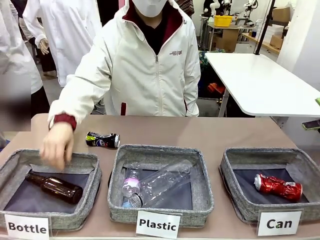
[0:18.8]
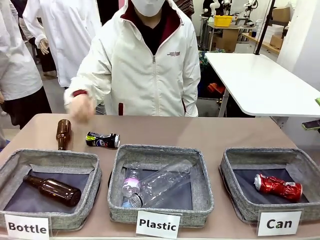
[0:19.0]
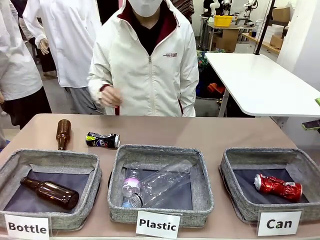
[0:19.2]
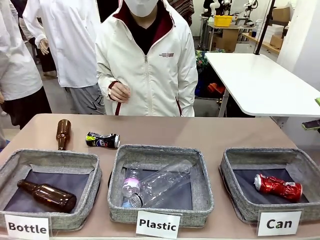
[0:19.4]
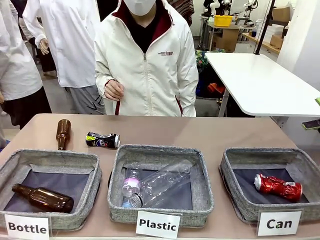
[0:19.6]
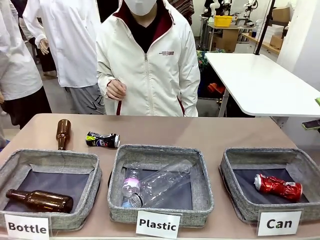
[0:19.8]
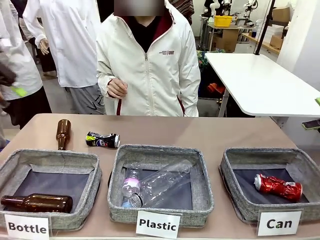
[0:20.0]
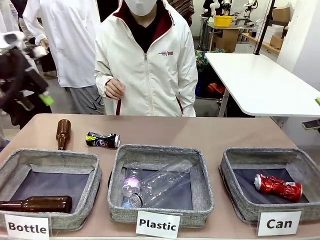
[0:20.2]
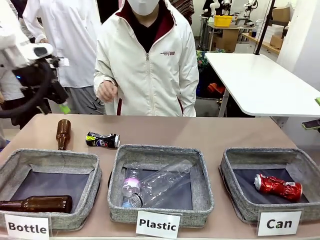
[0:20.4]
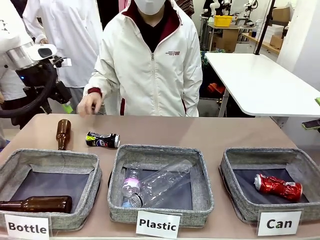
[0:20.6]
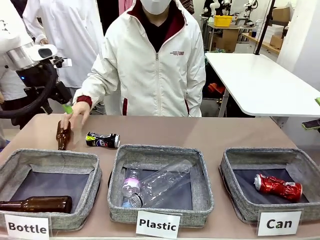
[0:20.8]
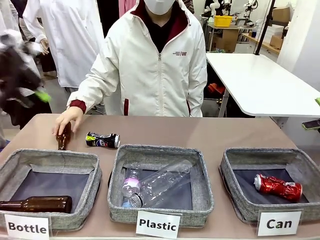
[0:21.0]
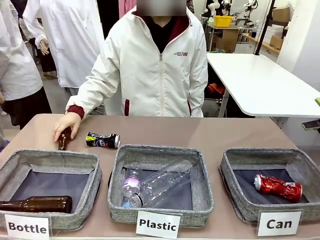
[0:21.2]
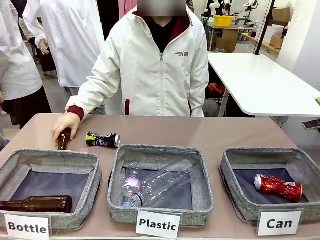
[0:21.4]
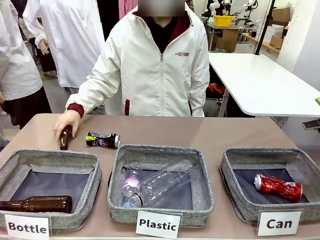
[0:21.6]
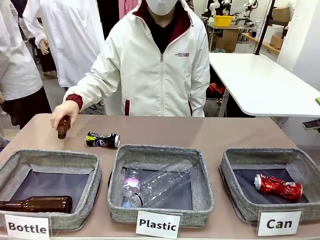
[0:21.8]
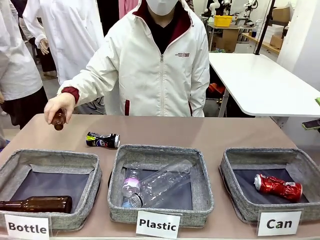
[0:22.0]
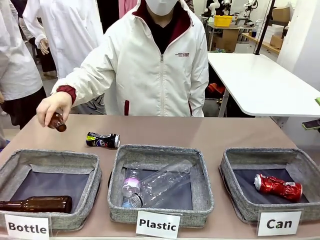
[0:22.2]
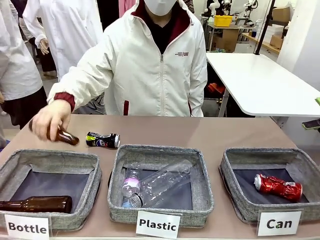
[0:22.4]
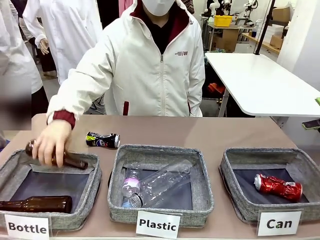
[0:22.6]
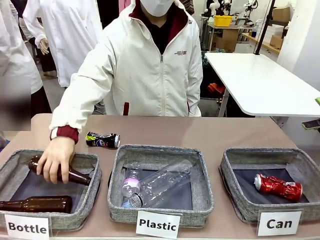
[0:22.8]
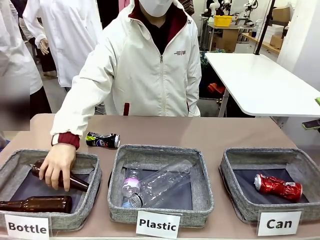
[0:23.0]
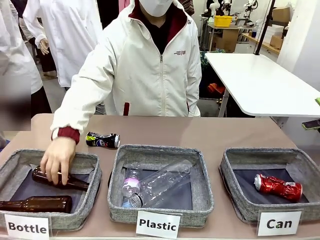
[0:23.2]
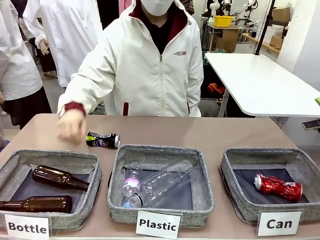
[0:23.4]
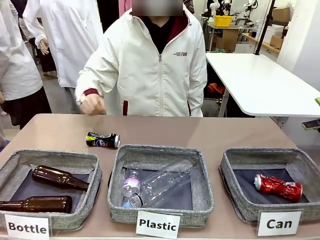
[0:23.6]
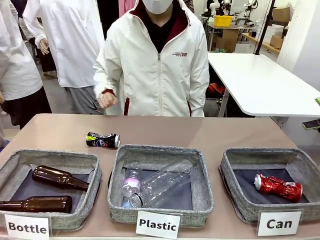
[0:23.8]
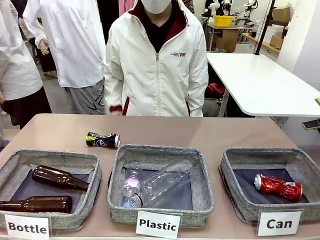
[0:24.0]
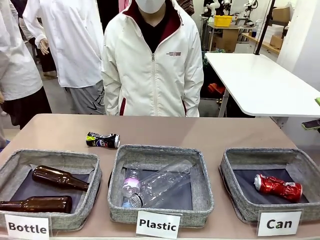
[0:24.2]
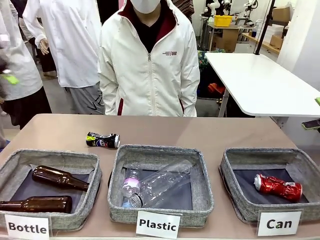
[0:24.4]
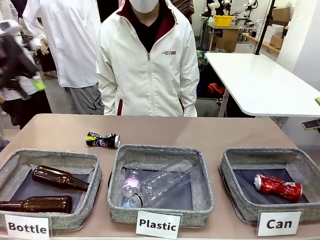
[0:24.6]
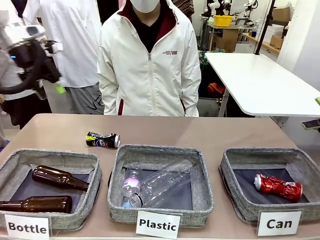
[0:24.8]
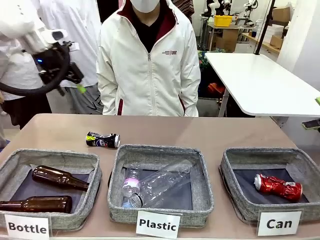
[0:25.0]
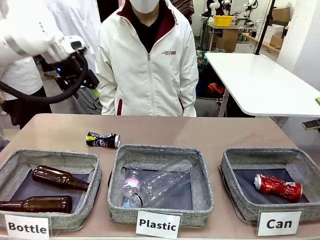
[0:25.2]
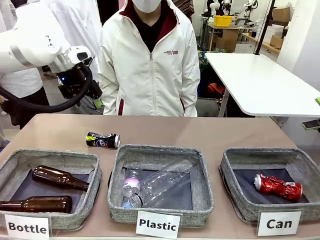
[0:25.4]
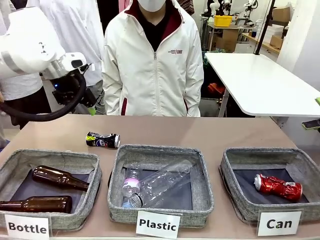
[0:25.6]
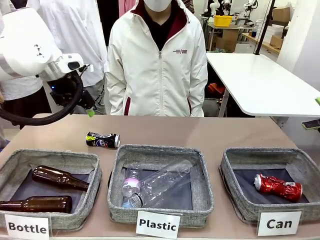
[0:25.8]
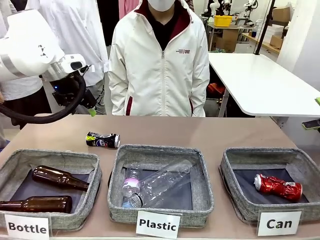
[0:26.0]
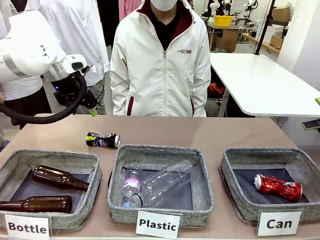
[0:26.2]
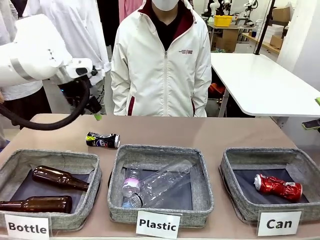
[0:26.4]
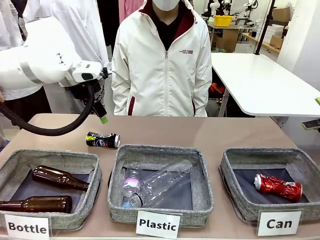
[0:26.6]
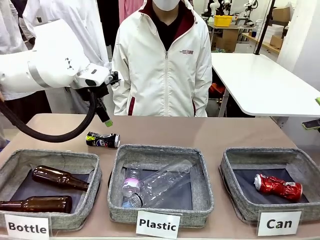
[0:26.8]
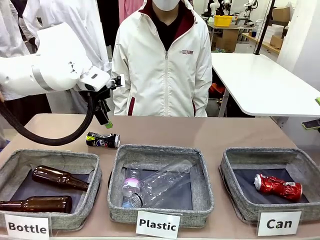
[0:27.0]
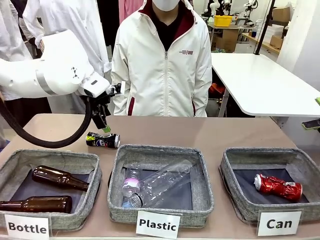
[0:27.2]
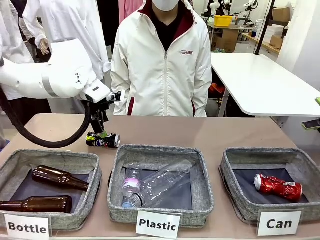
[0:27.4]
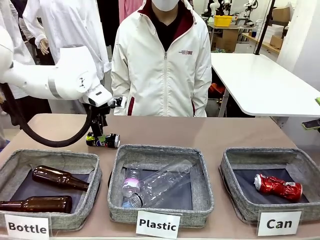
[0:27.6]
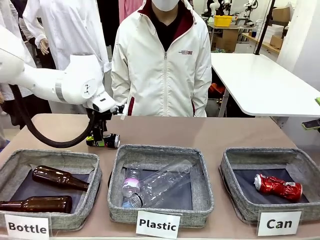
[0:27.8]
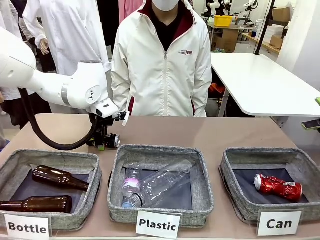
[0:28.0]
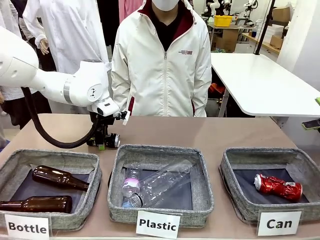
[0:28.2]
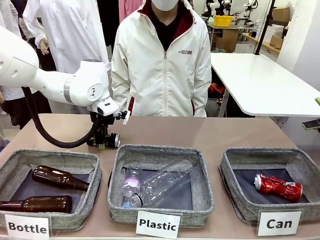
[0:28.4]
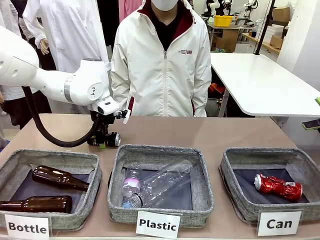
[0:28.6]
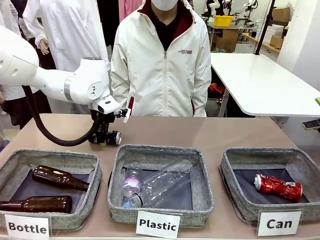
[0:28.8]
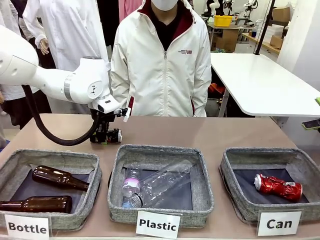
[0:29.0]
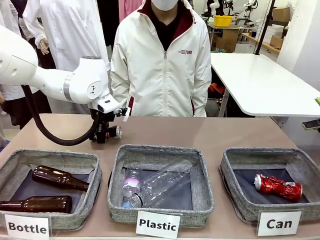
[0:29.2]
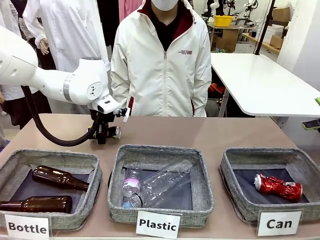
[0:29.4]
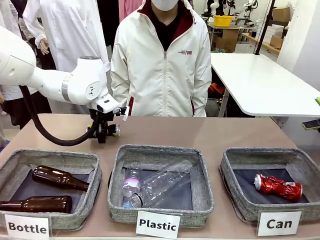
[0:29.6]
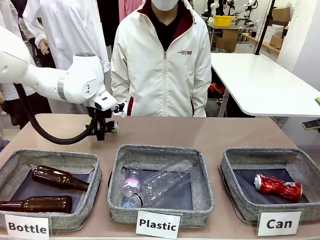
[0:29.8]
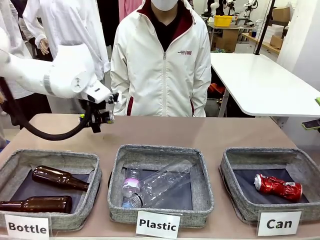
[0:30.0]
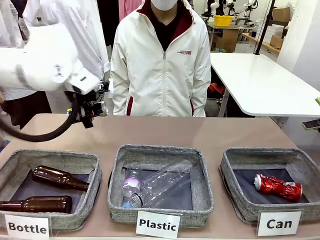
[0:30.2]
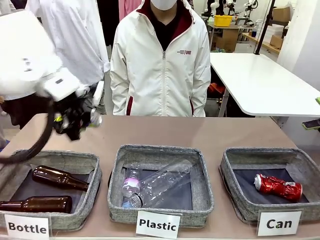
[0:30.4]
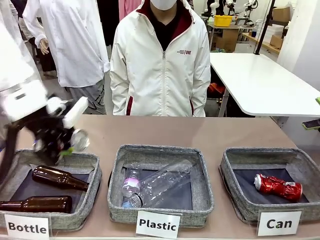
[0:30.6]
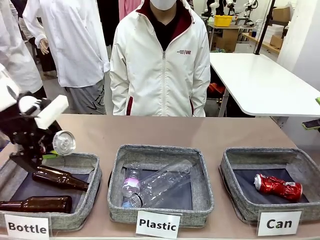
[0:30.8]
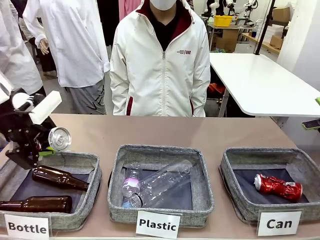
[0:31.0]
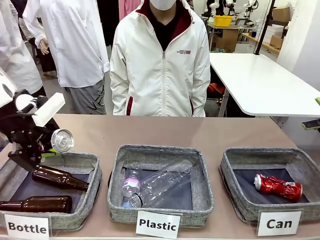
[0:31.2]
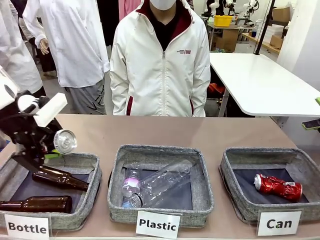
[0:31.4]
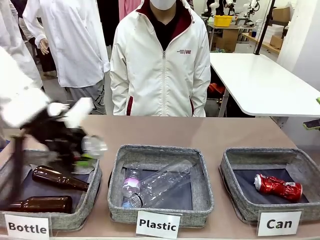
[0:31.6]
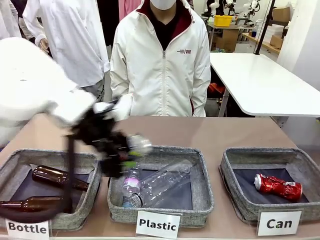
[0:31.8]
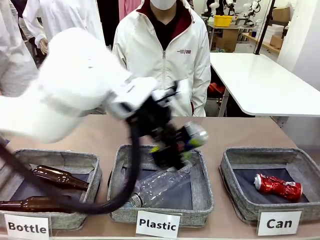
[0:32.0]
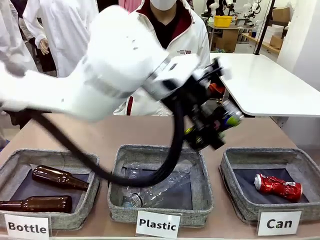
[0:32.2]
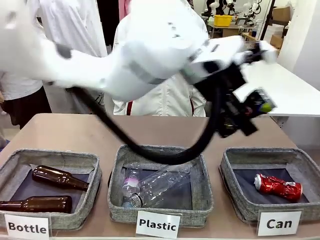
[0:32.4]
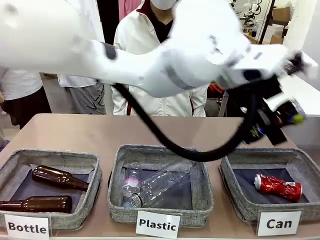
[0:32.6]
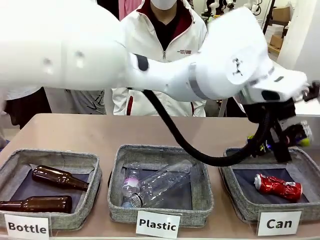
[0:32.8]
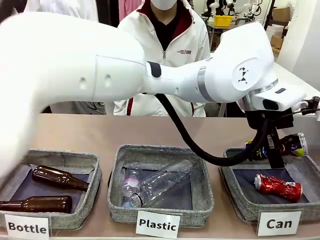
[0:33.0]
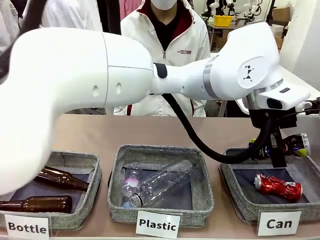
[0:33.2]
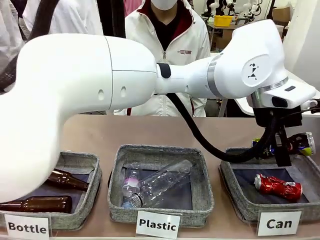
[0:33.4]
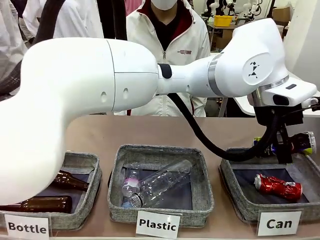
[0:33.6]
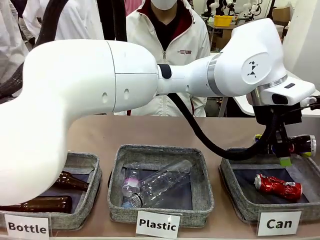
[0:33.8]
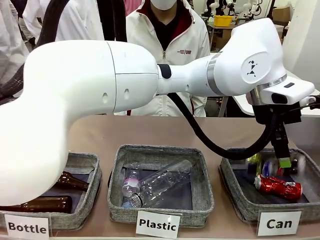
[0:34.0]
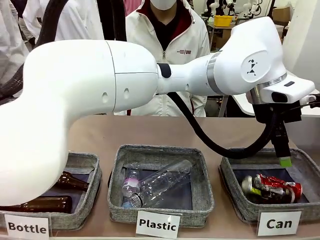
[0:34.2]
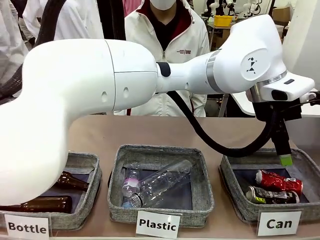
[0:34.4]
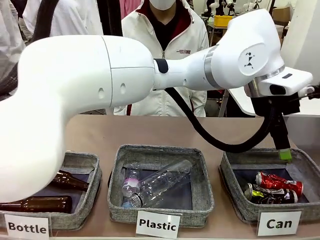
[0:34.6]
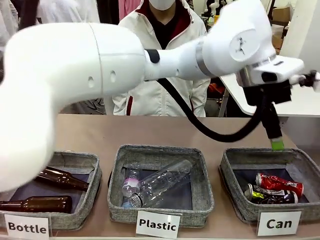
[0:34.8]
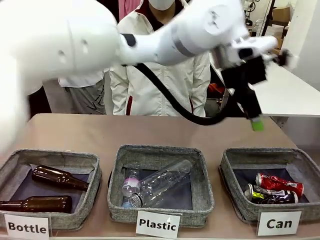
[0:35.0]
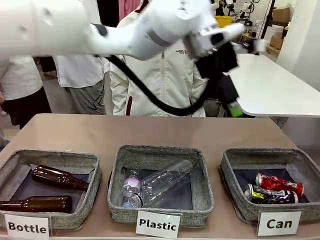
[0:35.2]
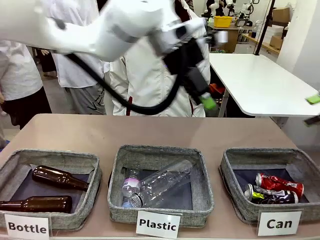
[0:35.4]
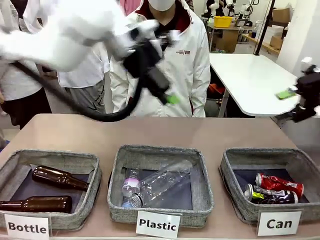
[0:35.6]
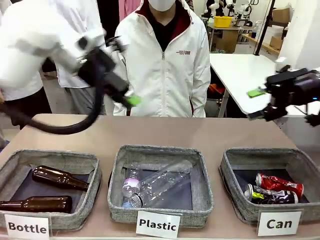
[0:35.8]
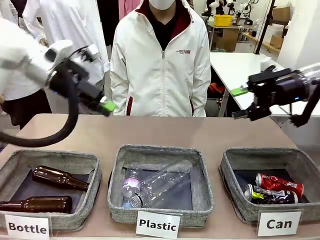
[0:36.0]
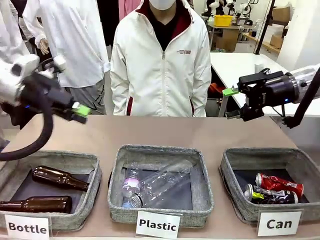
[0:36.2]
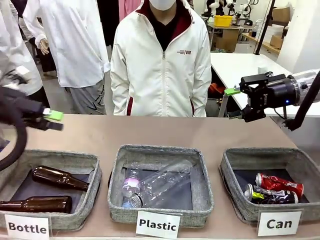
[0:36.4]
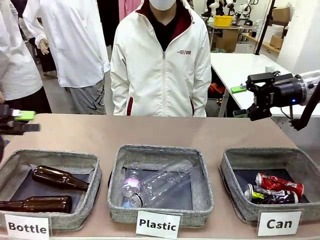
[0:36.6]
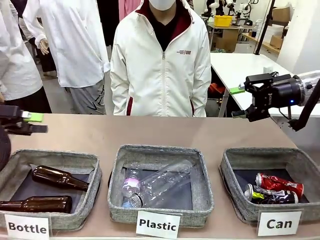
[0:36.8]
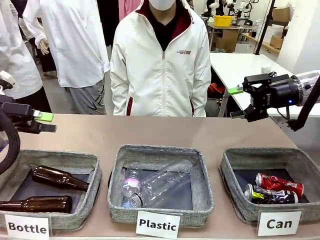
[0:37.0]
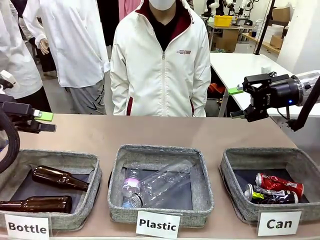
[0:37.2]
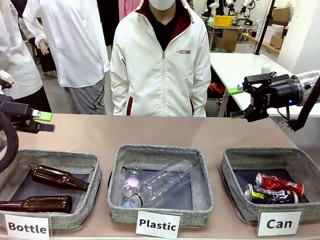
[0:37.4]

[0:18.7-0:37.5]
Task: Sort the can waste into the basket.
Robot: Pick up the can waste from the table and place it in the right Fabric basket.
Person: The human picks up one piece of trash that is not a can and places the trash into the appropriate organizing basket.
